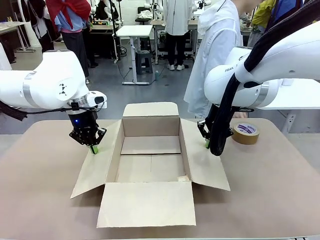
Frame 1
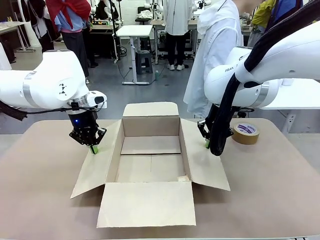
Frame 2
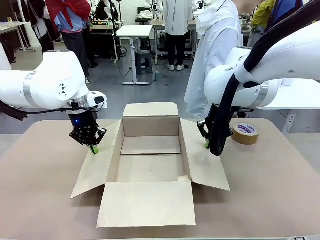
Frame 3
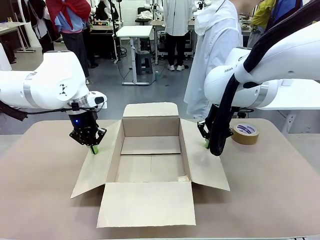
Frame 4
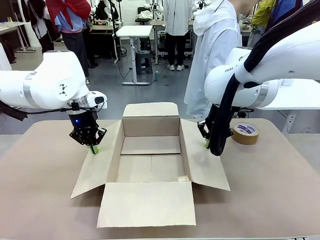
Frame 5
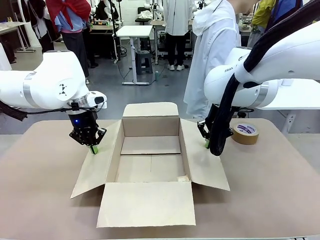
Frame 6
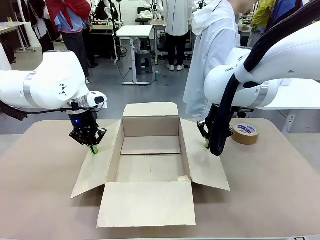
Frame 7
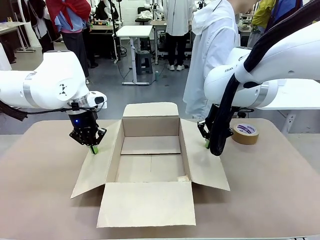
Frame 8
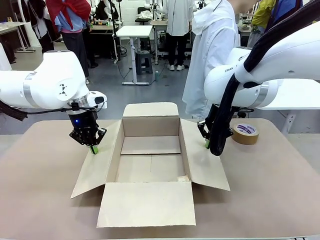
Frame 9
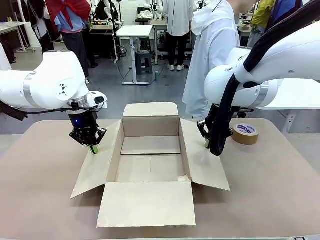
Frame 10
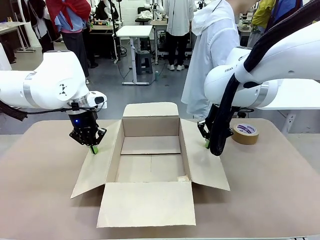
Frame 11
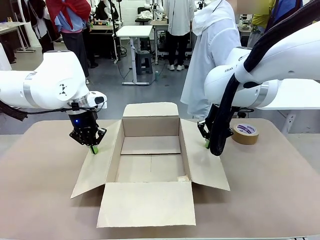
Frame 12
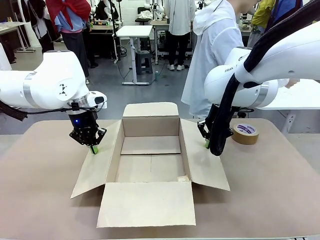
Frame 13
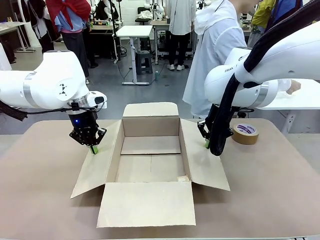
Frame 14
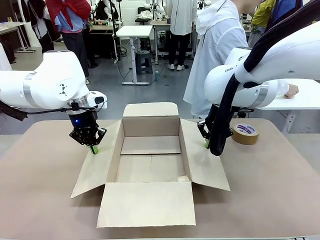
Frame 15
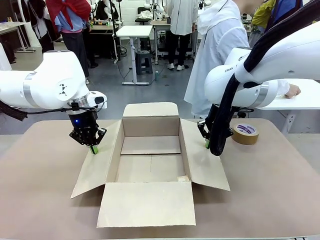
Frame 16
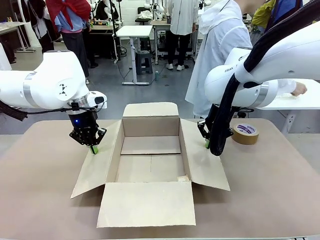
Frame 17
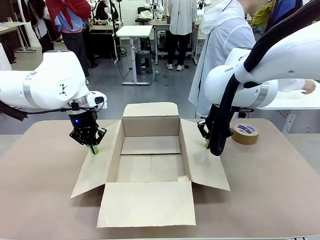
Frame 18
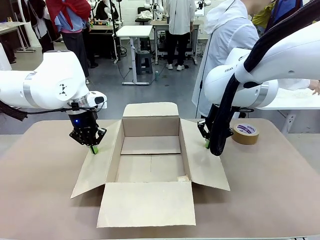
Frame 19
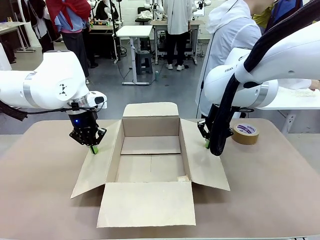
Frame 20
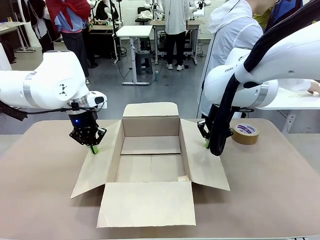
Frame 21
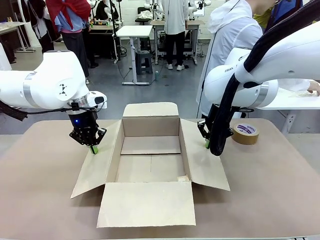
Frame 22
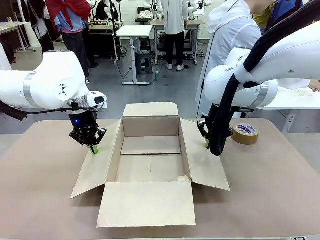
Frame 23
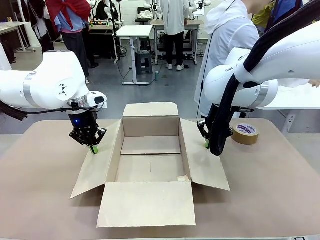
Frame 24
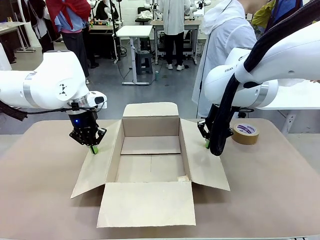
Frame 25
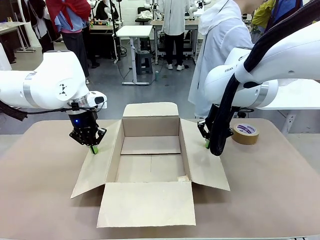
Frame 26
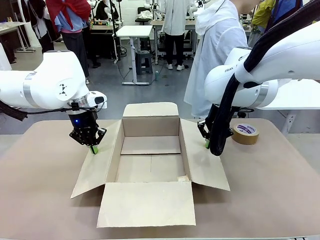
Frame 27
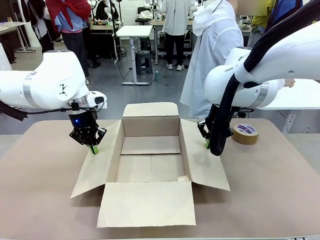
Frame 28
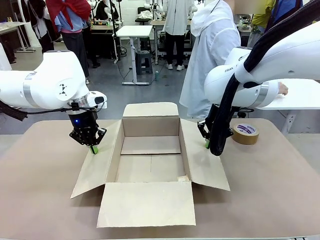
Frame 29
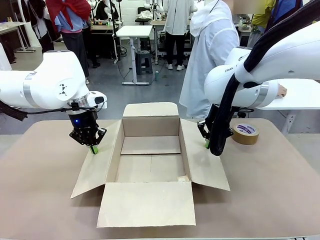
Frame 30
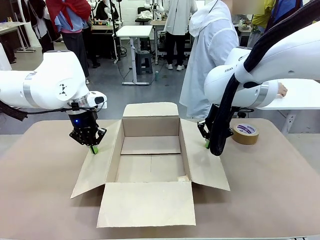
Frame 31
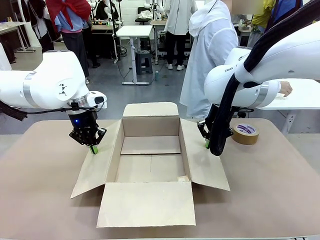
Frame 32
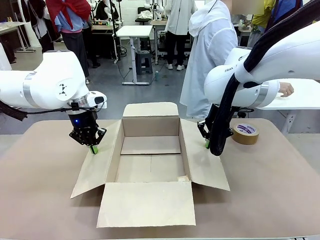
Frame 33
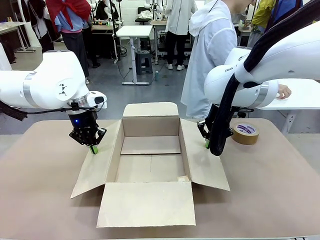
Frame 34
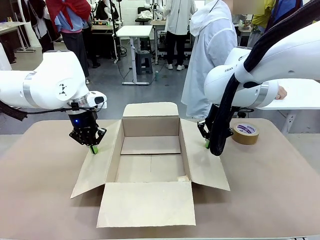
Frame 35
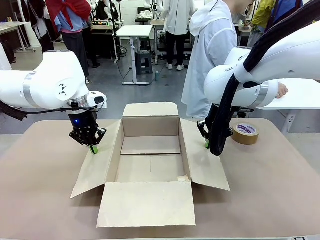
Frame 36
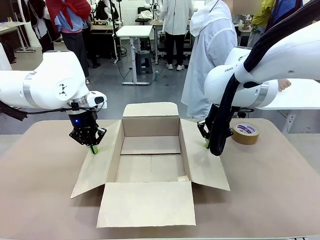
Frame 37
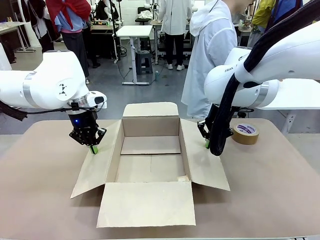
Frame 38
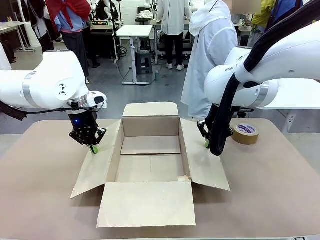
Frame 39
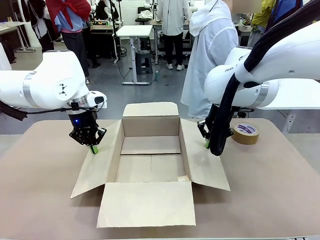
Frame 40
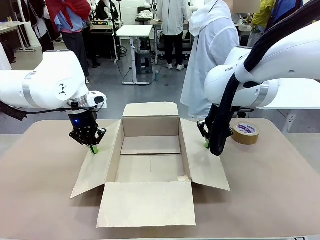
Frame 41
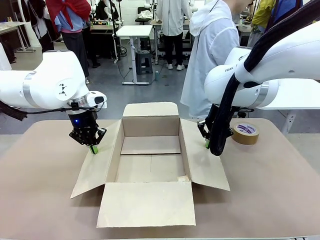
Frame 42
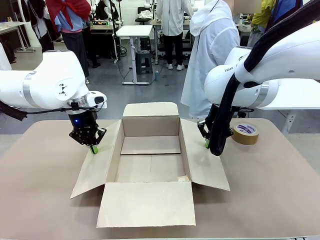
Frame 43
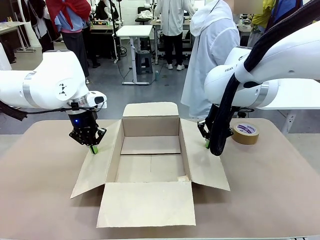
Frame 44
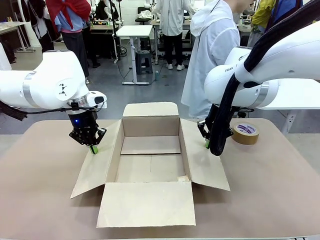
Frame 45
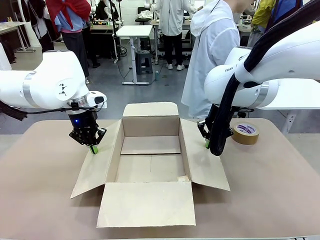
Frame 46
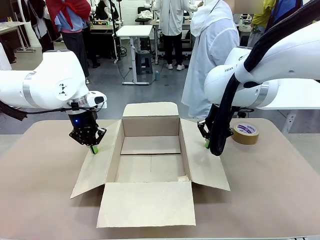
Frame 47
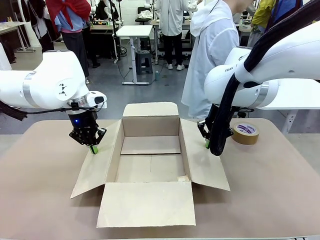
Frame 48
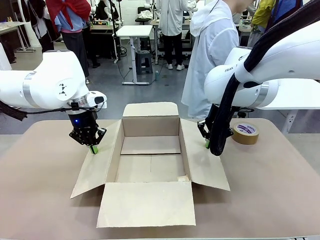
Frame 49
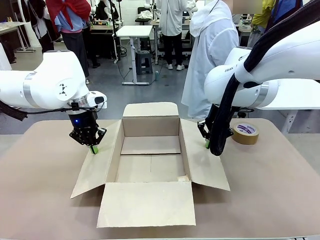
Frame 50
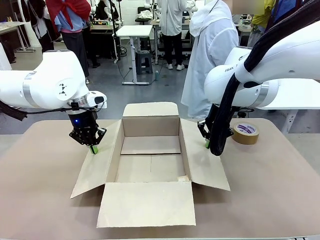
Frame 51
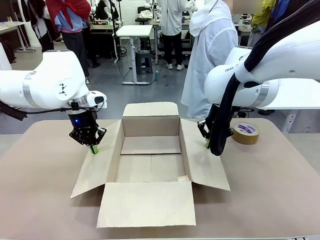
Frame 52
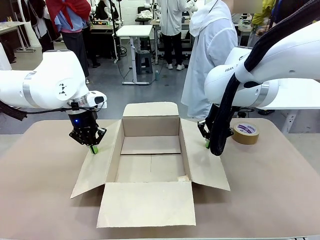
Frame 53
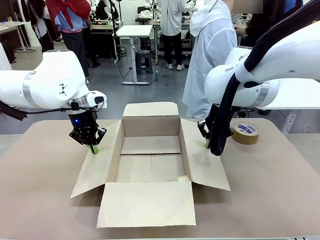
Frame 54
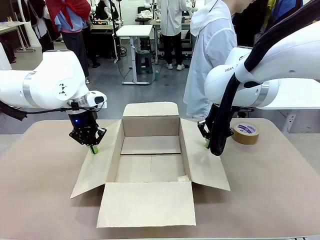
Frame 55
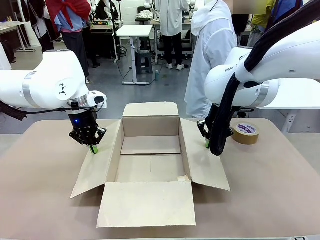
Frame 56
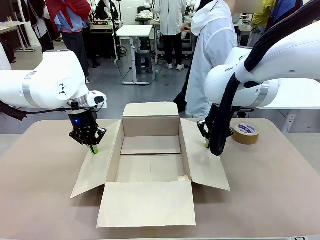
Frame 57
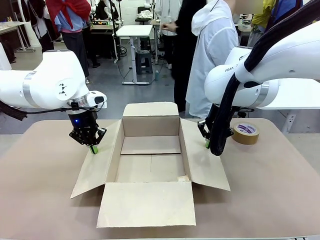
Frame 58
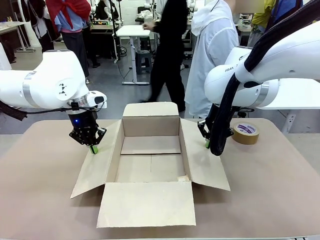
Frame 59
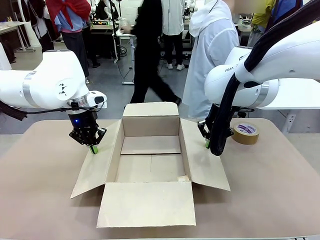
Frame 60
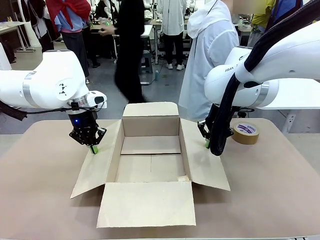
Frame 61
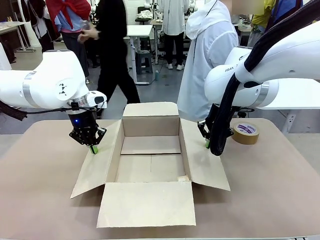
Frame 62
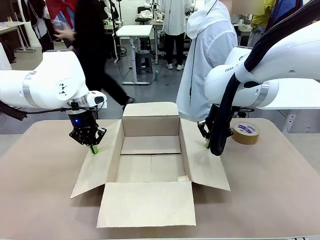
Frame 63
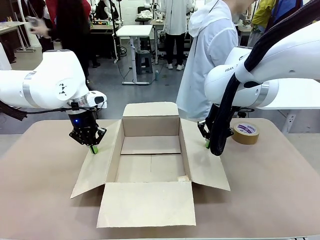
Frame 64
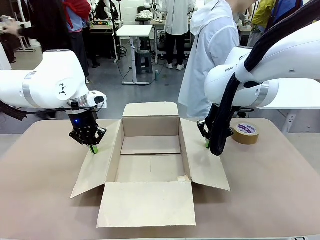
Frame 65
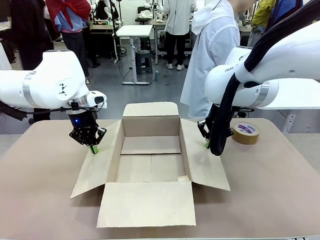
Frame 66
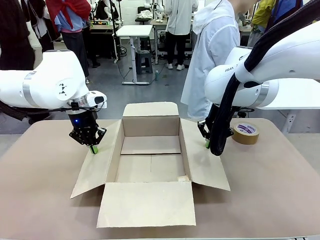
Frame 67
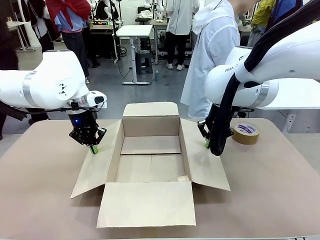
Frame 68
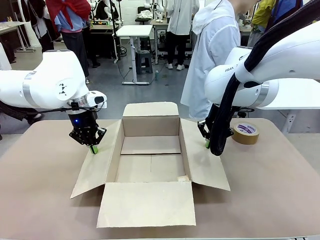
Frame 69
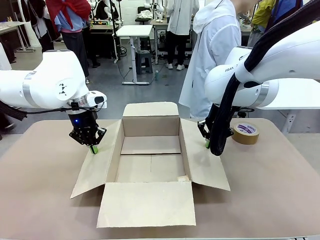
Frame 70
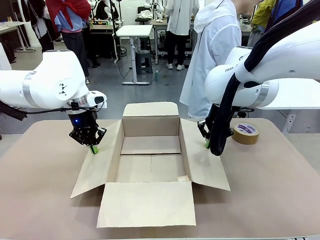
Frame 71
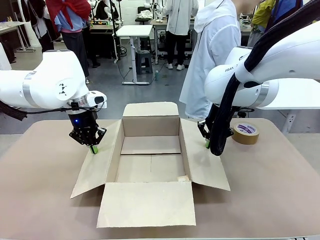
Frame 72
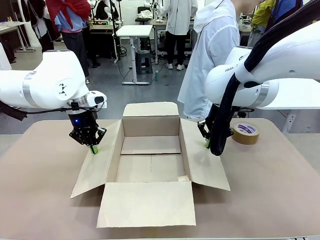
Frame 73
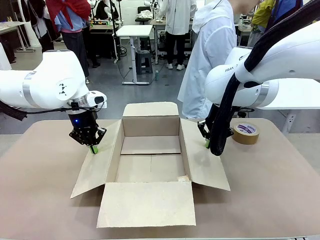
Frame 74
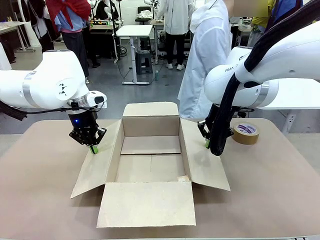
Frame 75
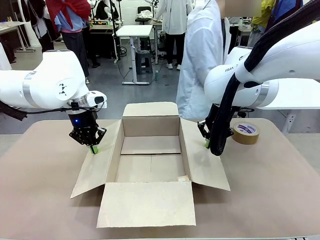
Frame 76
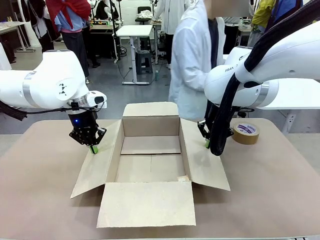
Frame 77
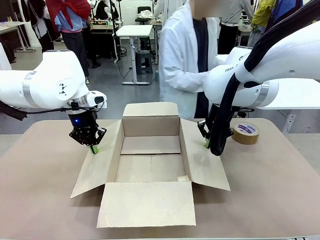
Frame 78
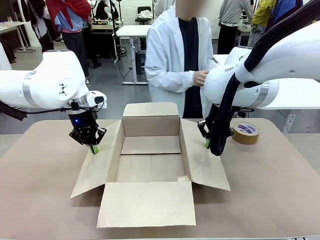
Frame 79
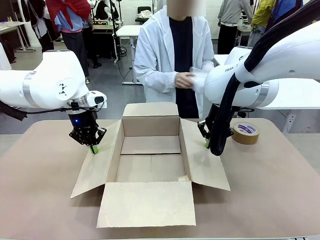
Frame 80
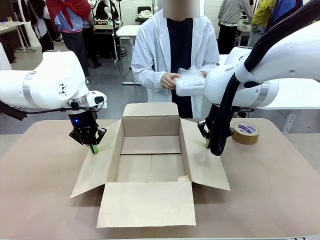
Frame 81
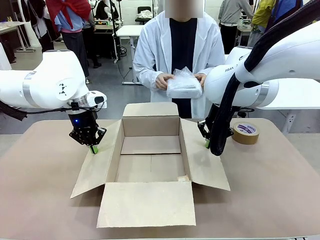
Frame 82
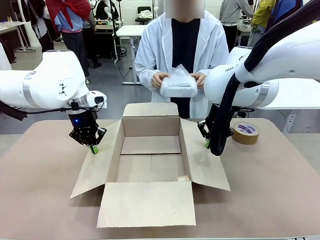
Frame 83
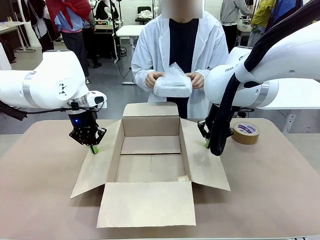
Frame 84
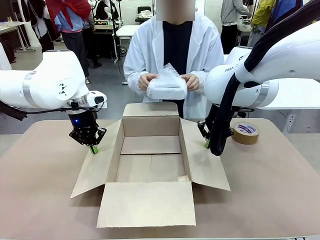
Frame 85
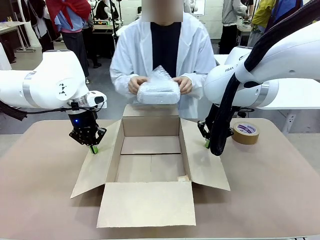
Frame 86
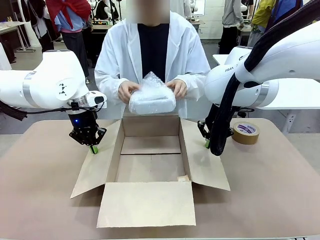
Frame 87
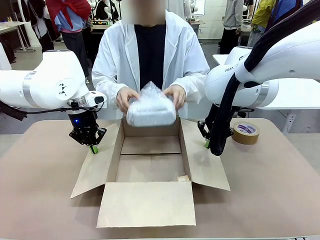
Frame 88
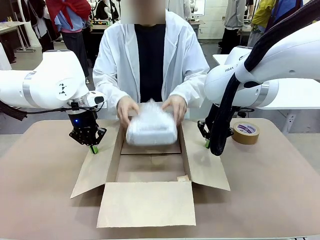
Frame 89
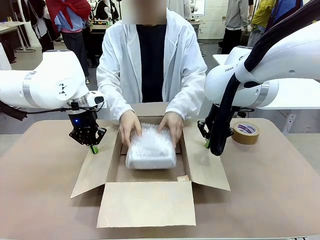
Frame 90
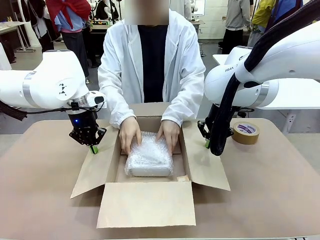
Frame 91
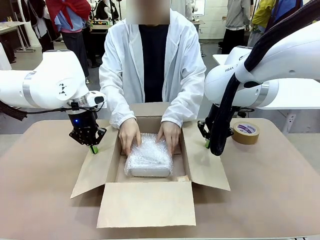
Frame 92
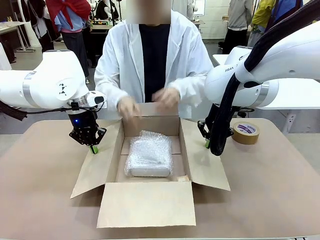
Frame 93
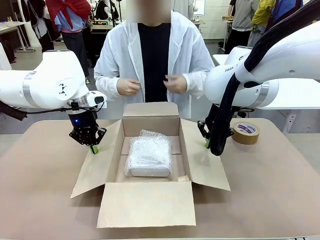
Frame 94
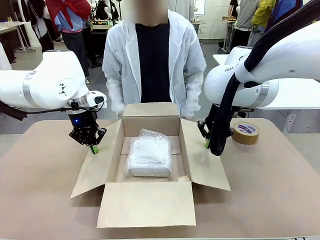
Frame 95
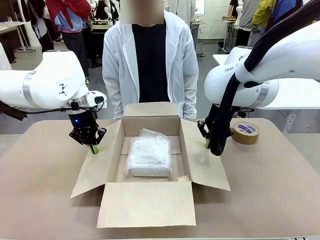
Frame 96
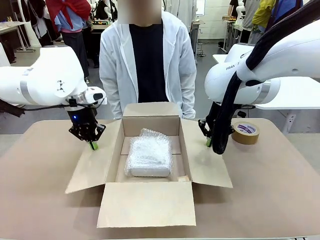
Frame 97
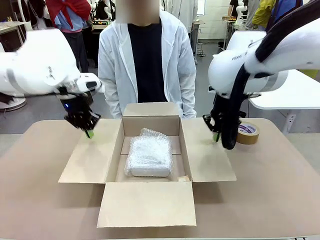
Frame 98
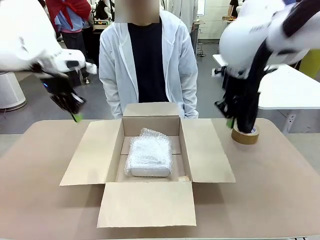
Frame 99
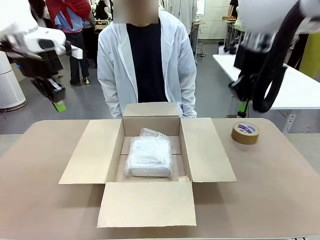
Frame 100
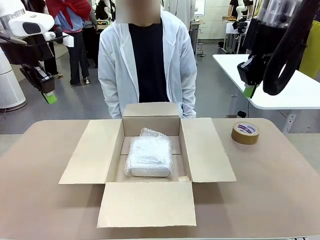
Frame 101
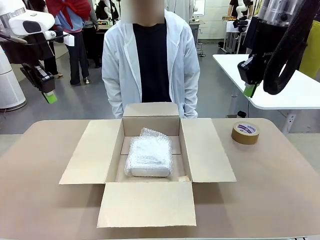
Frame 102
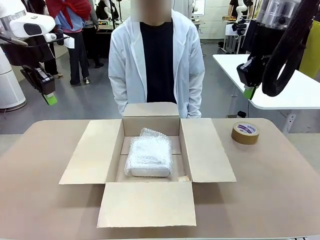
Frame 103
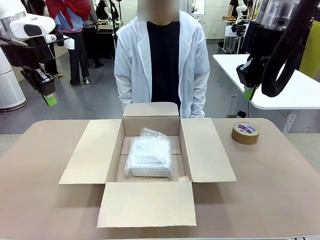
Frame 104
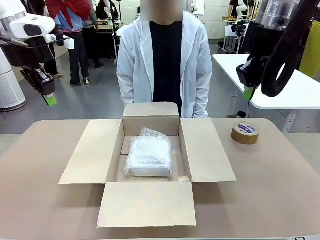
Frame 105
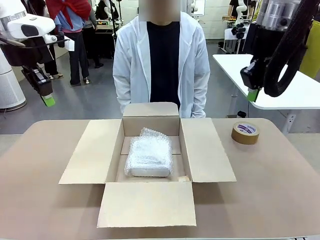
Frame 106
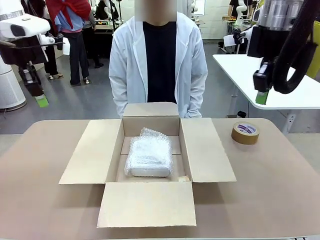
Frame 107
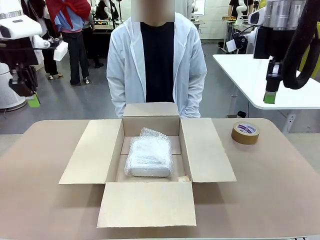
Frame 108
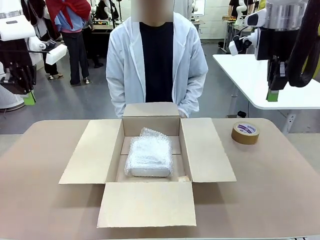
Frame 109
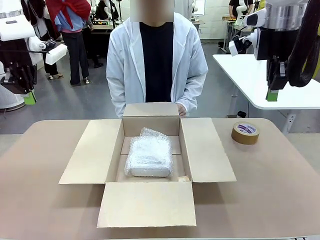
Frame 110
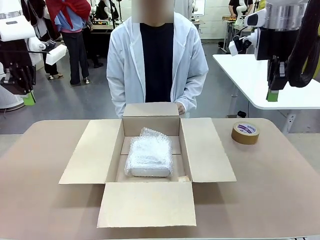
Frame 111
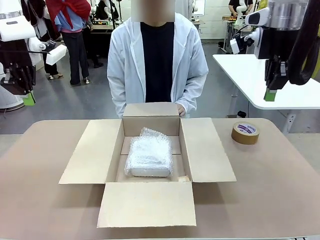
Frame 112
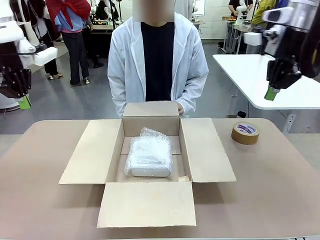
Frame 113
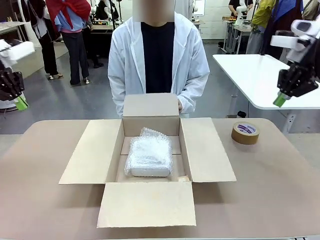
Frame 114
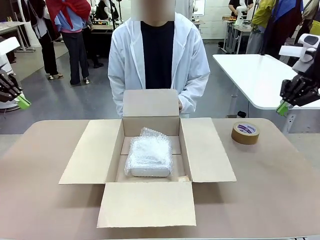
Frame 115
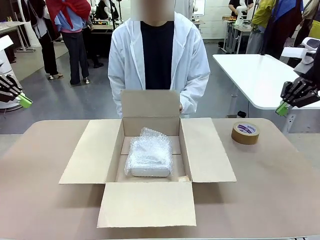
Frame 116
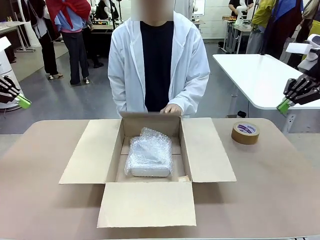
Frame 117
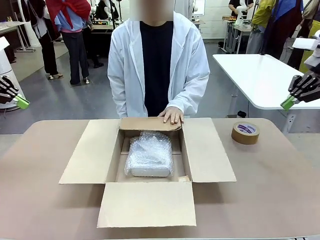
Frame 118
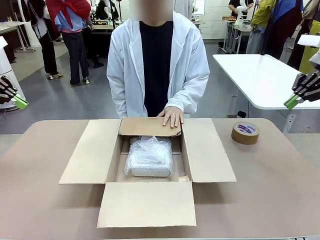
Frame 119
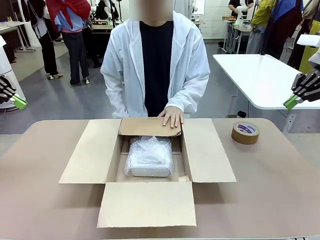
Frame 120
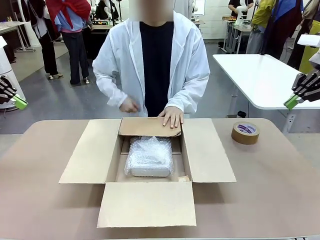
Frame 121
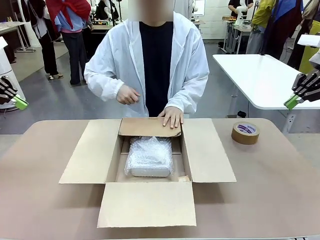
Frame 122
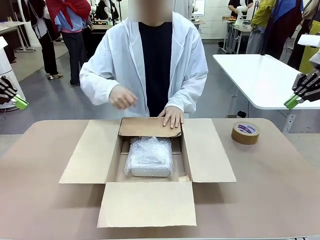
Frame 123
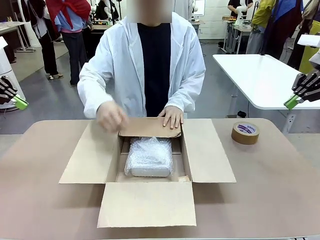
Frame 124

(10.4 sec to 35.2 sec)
Task: Wrap the clocks to prevent damage.
Robot: Once the human has placed the objects inside and stepped back, release both hands from the side flaps of the Package Box.
Person: Wrap the two Digital clocks with Bubble Wrap. Place the wrapped Digital clocks inside the Package Box. Hold the top and bottom flaps of the Package Box closed with your left (or right) hand.
